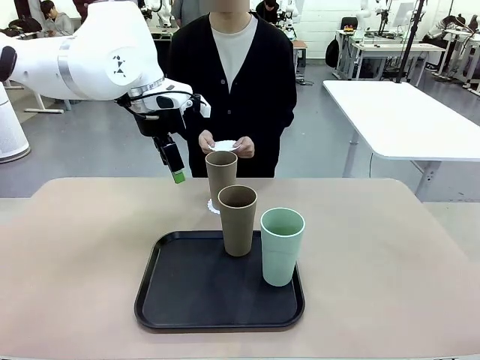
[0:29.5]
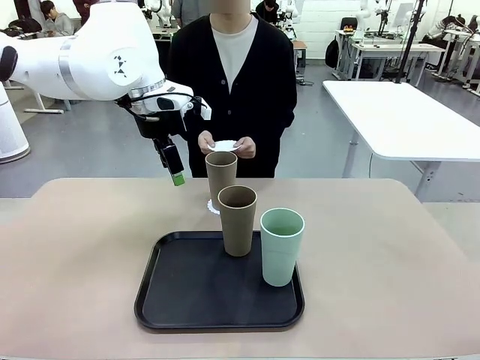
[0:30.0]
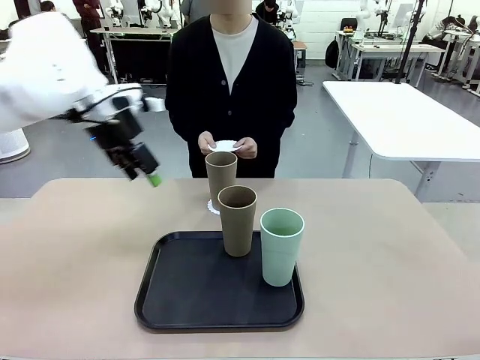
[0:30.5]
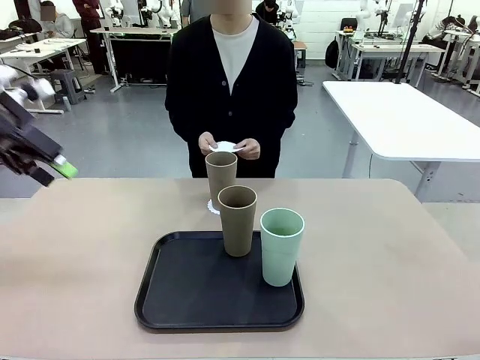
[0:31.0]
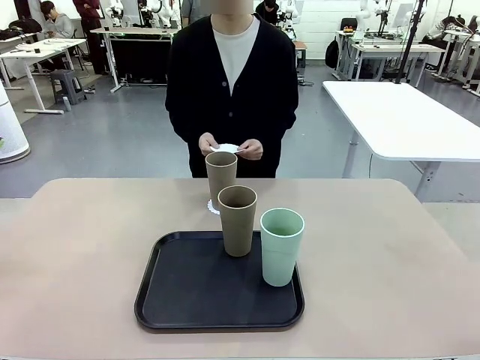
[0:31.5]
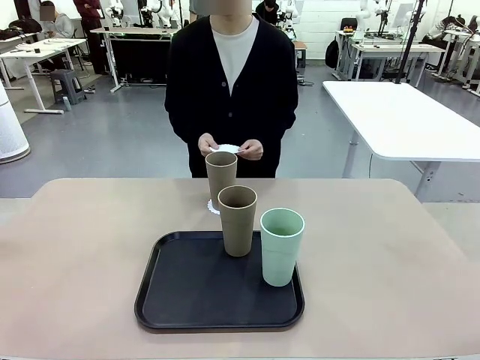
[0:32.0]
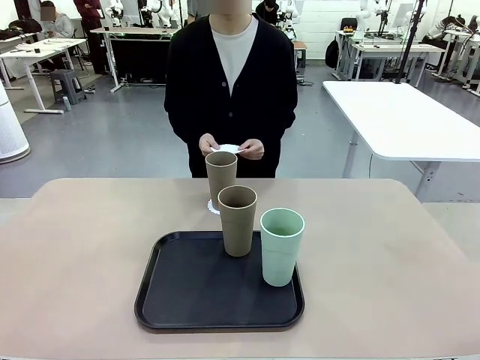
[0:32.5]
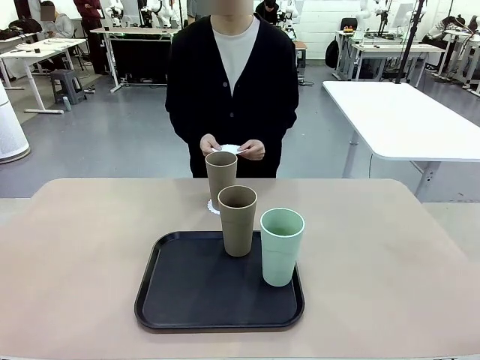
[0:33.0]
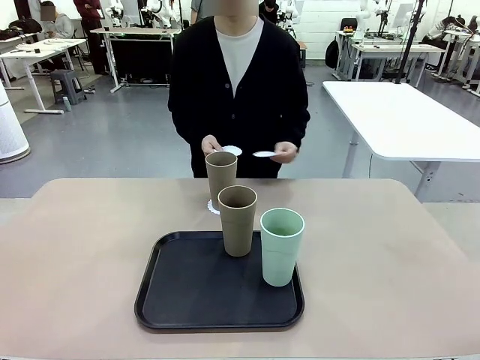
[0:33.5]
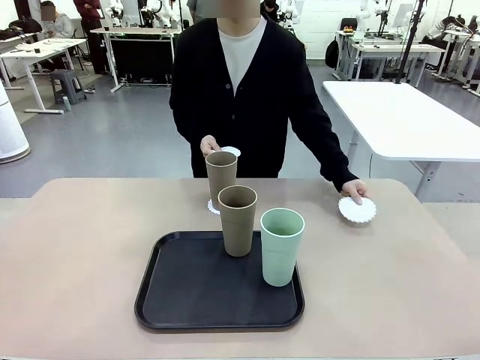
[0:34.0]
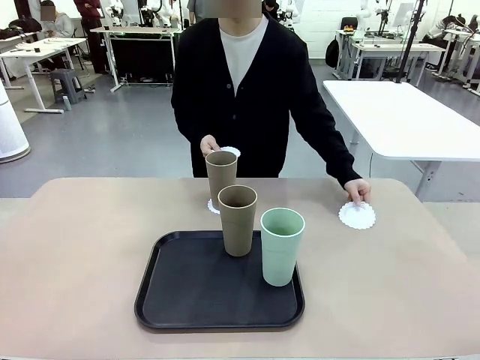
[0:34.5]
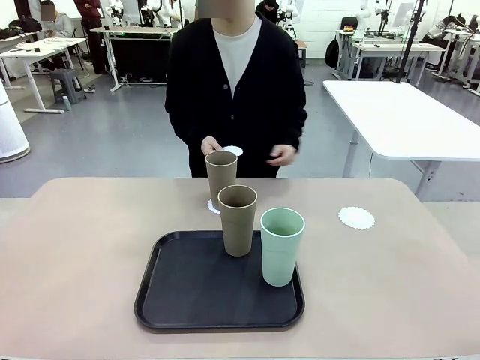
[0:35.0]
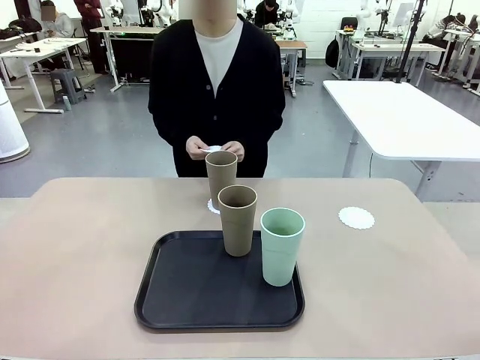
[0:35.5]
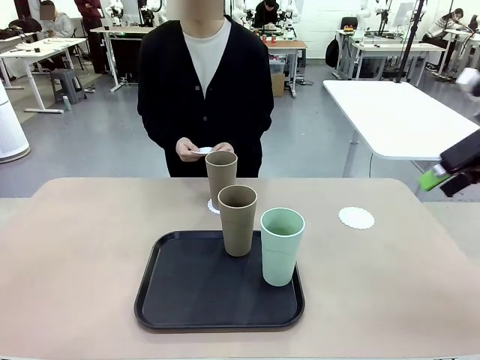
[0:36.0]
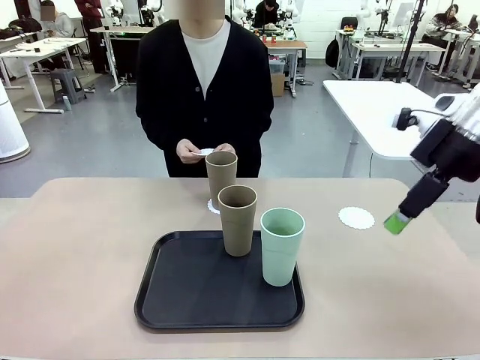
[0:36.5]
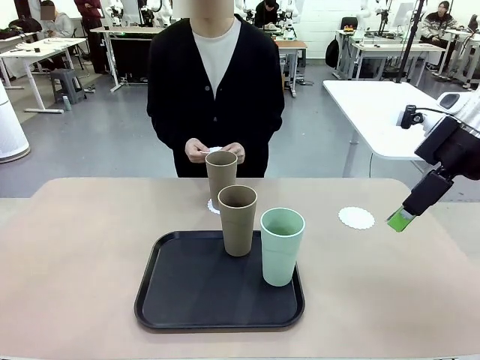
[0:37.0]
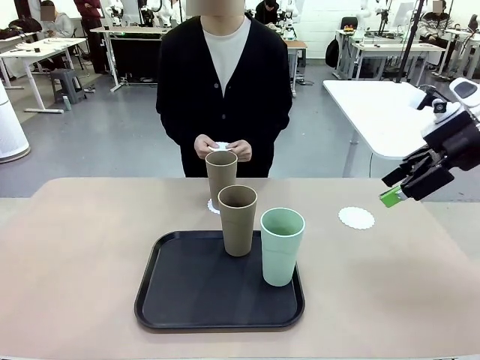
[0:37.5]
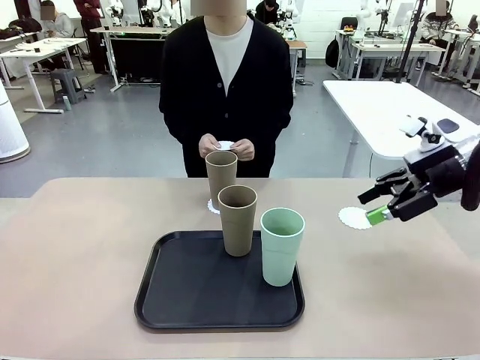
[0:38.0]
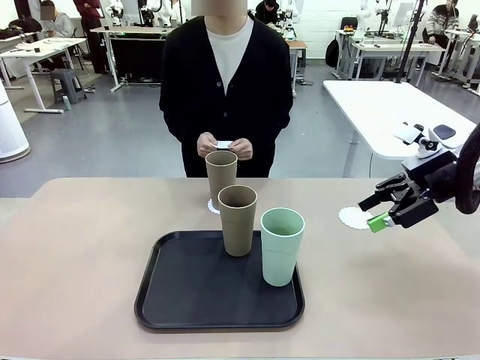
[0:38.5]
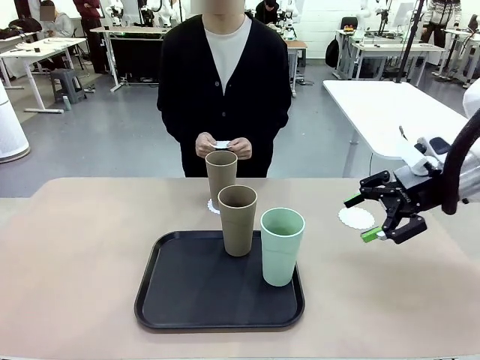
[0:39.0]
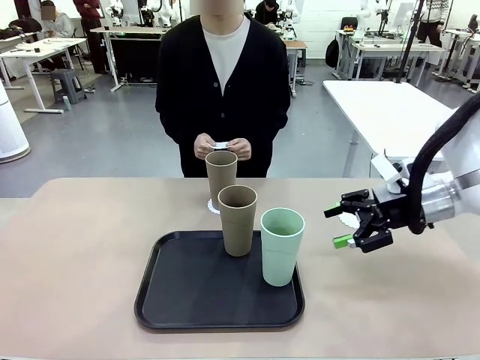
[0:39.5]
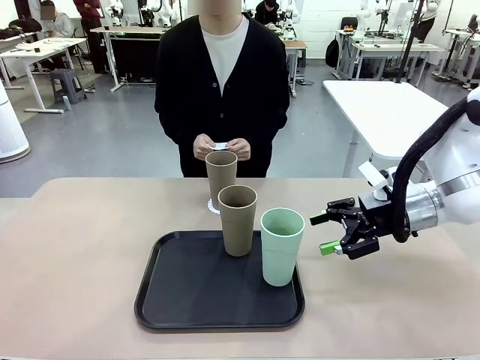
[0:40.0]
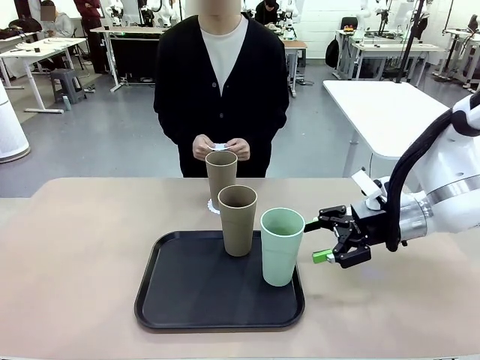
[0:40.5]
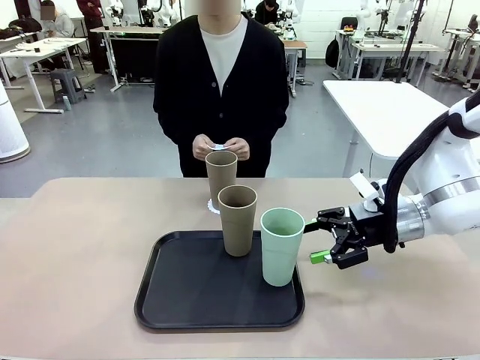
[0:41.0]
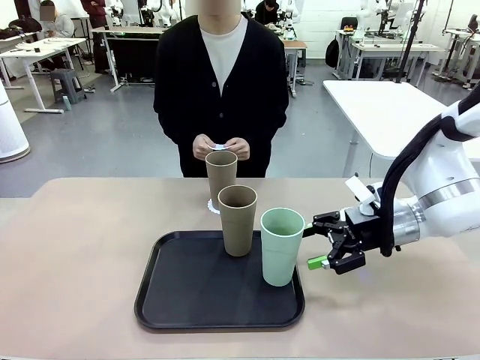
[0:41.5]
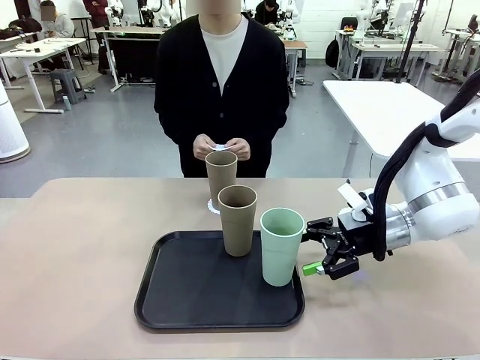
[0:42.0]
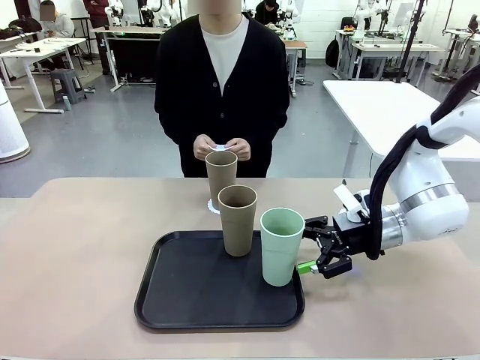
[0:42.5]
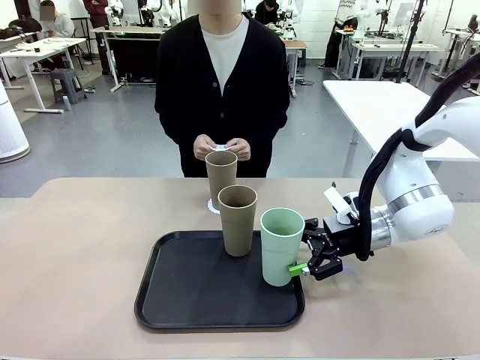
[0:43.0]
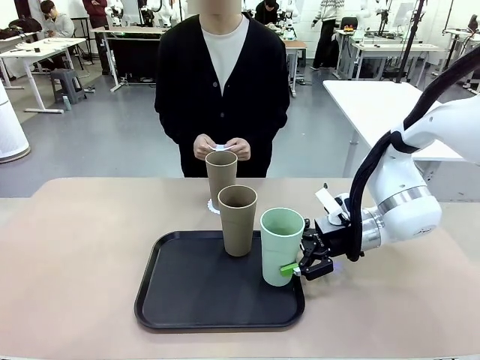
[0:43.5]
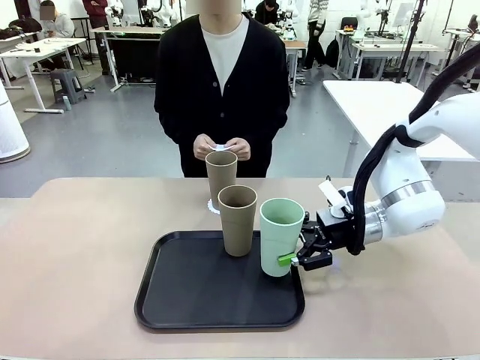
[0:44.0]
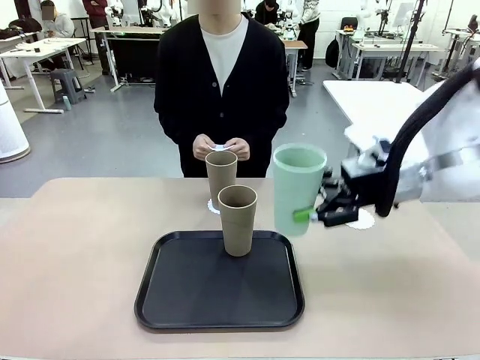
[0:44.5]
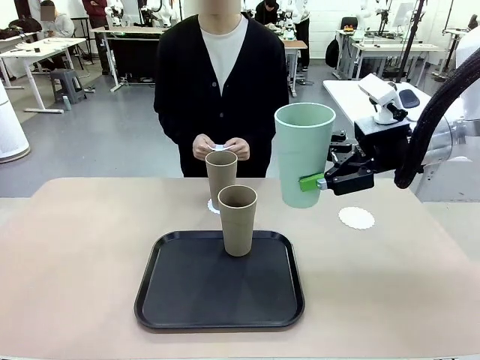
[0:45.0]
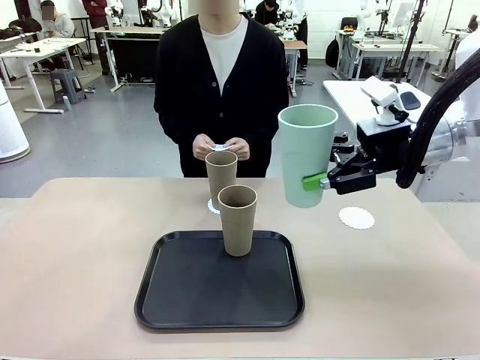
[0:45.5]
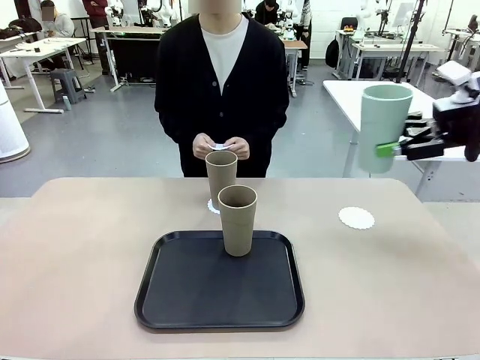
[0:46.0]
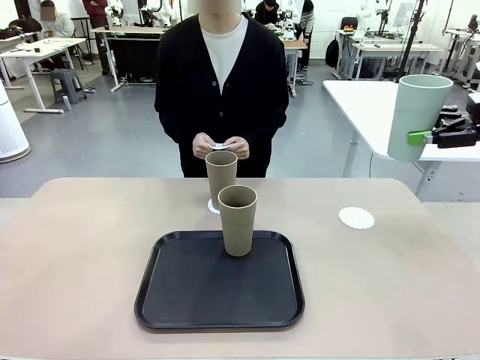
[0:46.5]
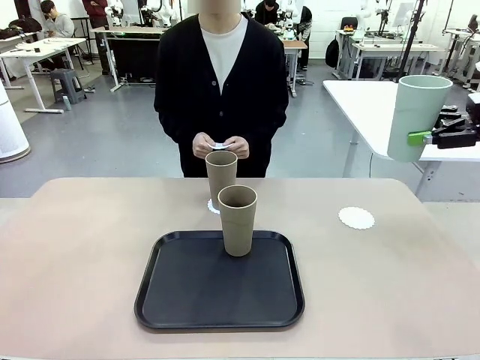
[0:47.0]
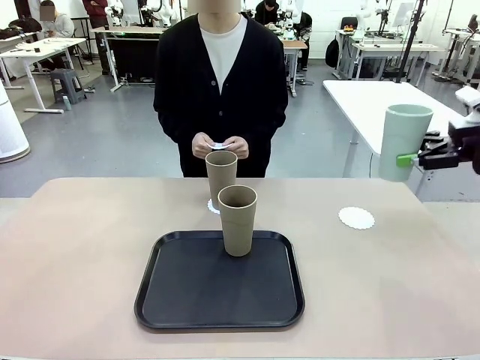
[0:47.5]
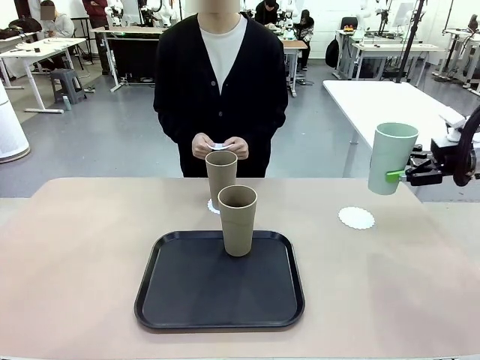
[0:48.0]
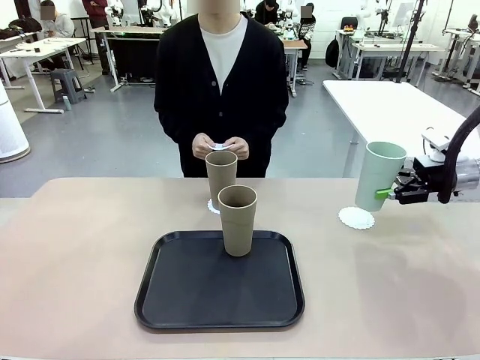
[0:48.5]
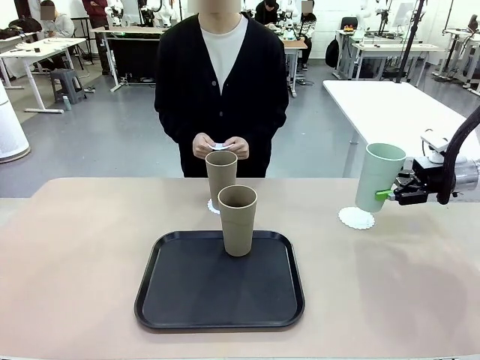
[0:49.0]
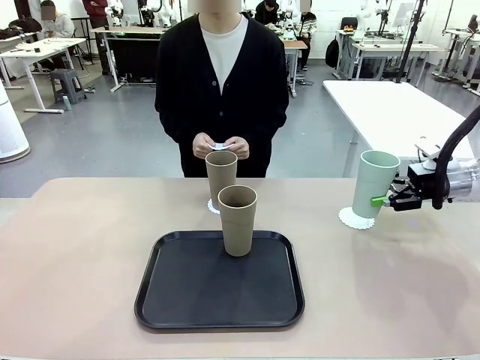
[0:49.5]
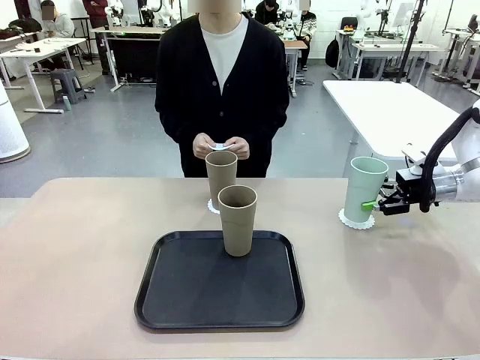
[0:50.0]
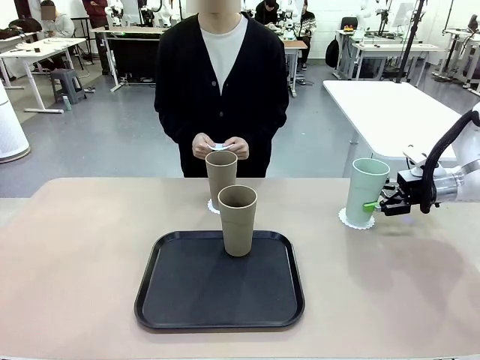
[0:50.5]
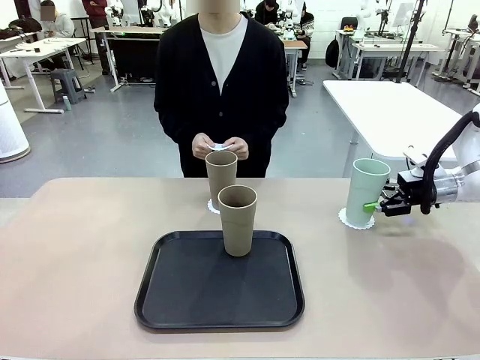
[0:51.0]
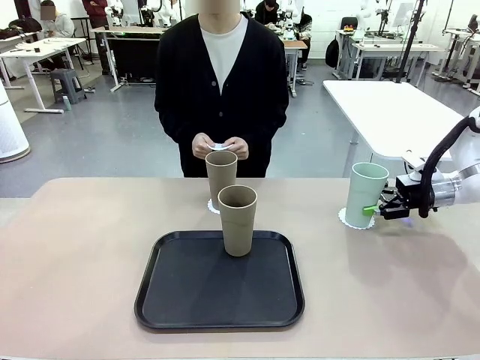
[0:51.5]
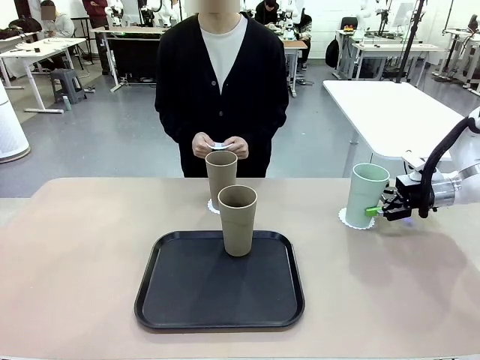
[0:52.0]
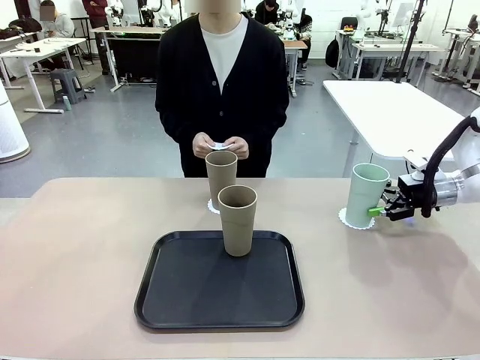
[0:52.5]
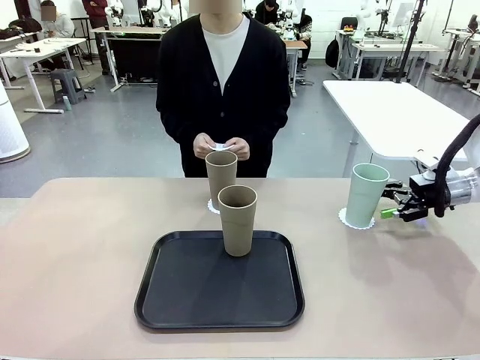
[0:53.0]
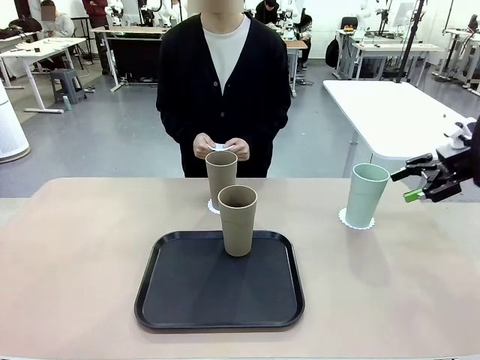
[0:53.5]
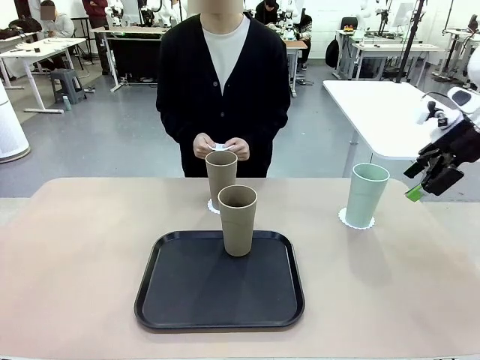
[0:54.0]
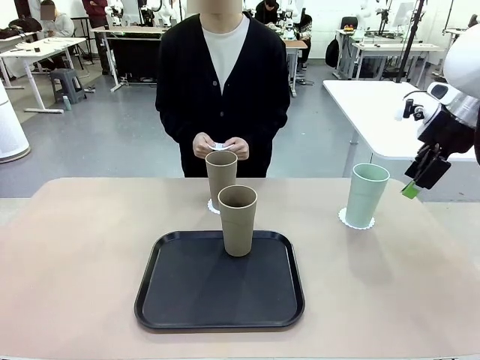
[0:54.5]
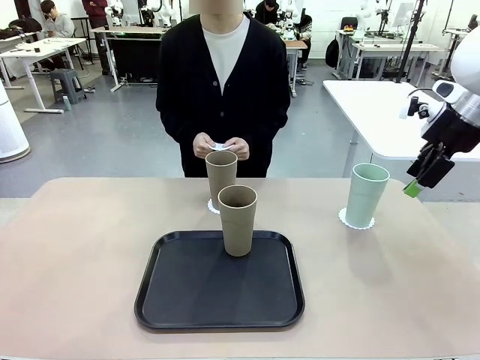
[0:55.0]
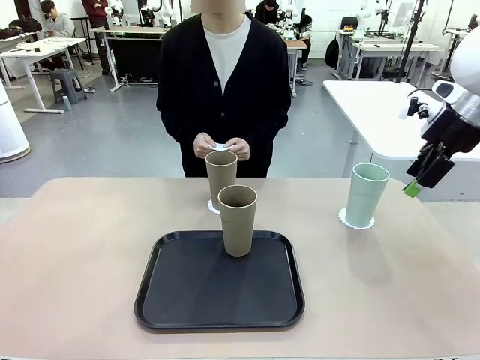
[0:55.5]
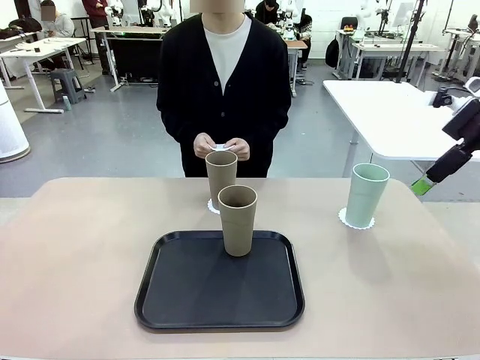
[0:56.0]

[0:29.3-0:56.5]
Task: Place coasters on the table and set cups on them.
Robot: Take one Reusable plastic cup from the Flat Tray and place it on a coaster set by the human.
